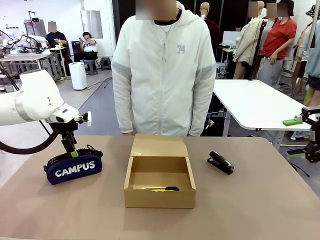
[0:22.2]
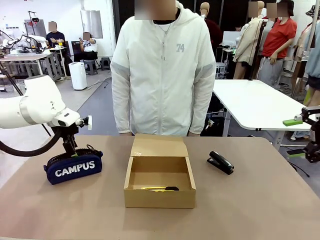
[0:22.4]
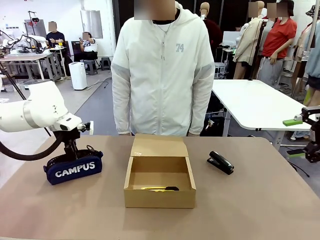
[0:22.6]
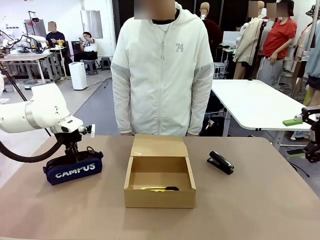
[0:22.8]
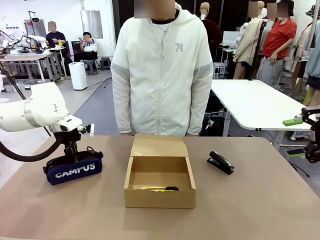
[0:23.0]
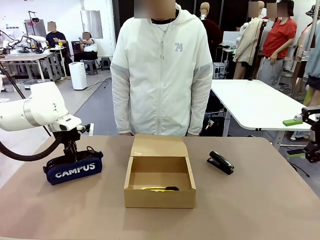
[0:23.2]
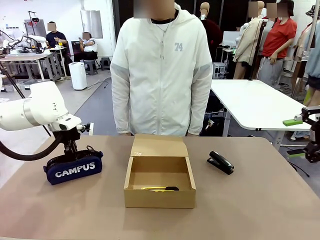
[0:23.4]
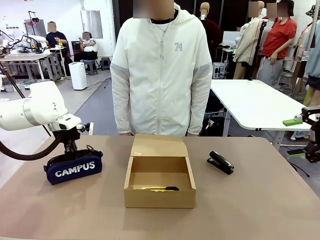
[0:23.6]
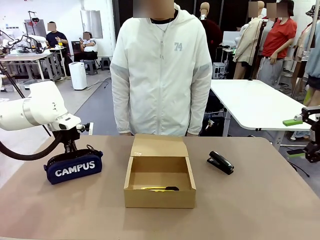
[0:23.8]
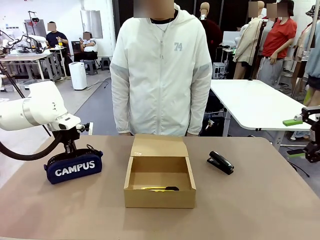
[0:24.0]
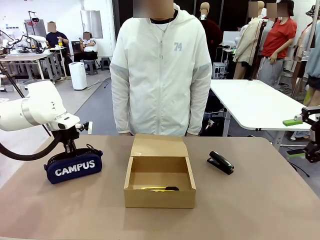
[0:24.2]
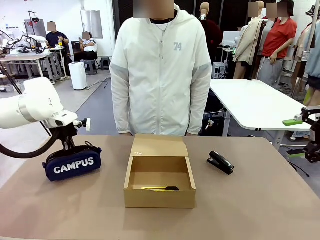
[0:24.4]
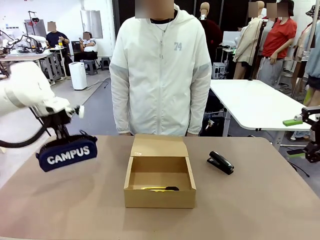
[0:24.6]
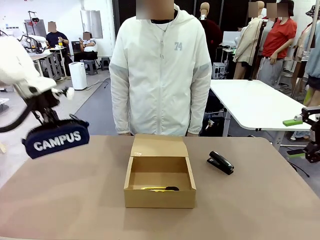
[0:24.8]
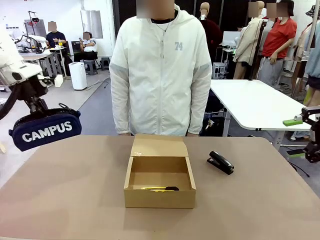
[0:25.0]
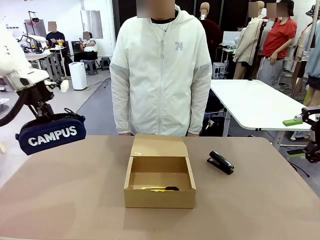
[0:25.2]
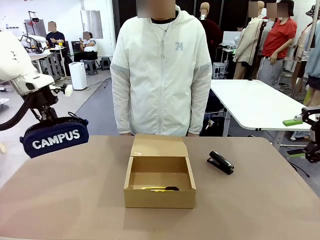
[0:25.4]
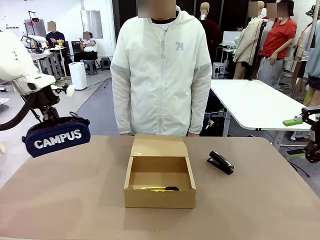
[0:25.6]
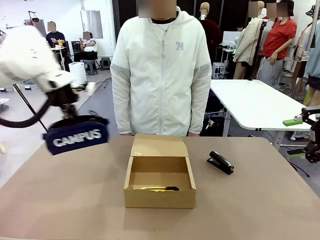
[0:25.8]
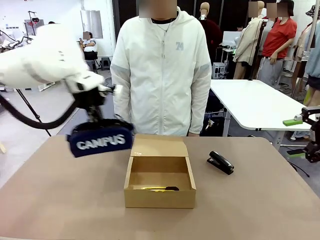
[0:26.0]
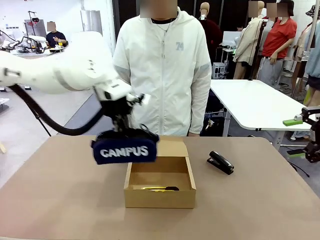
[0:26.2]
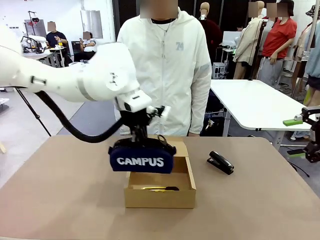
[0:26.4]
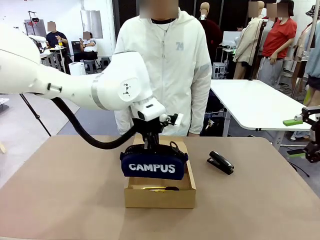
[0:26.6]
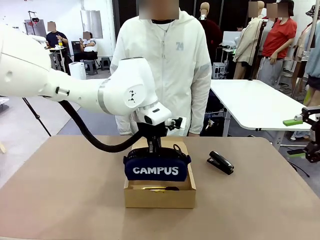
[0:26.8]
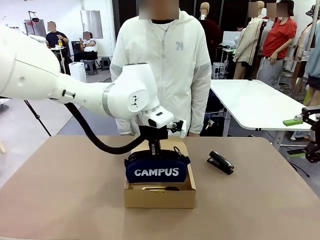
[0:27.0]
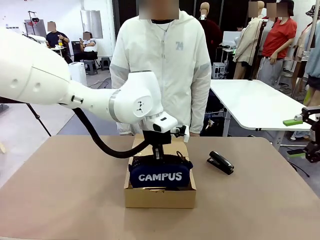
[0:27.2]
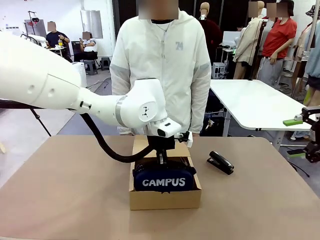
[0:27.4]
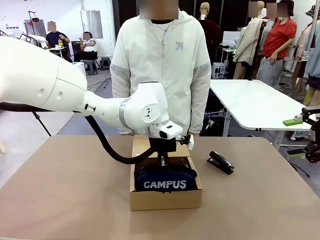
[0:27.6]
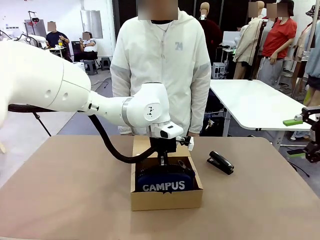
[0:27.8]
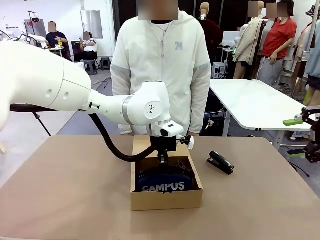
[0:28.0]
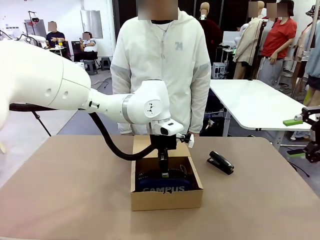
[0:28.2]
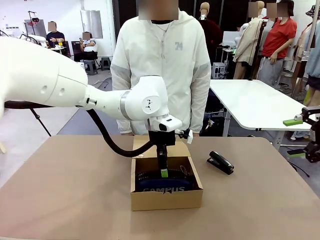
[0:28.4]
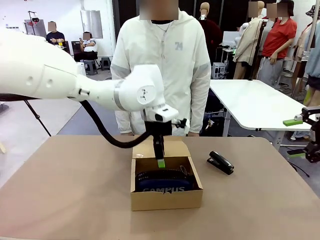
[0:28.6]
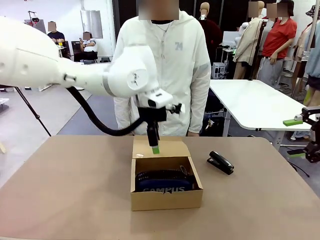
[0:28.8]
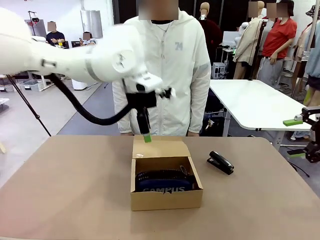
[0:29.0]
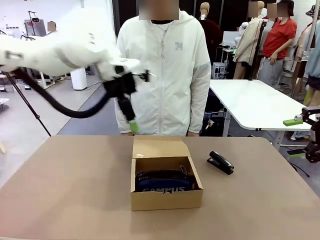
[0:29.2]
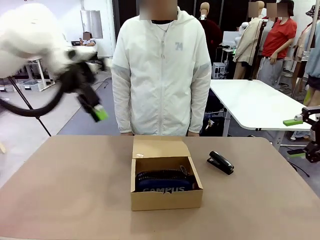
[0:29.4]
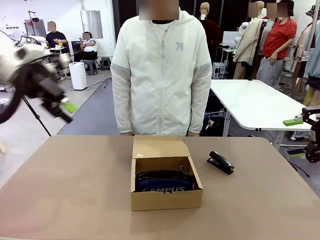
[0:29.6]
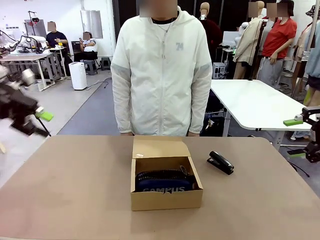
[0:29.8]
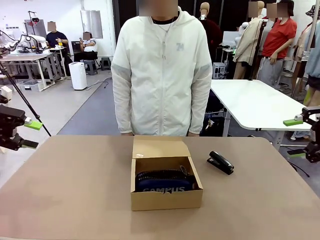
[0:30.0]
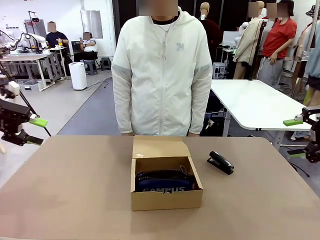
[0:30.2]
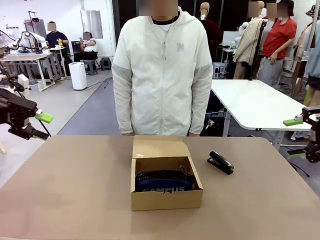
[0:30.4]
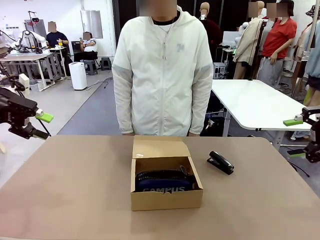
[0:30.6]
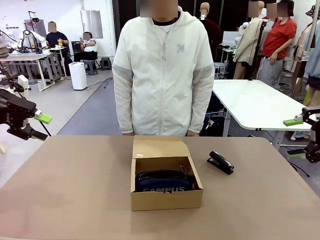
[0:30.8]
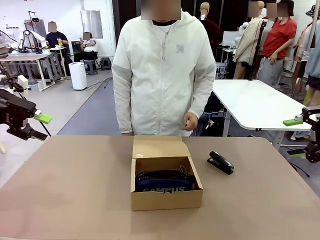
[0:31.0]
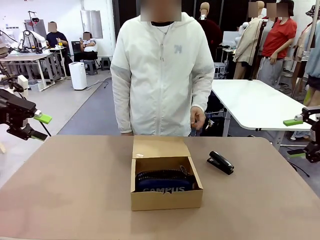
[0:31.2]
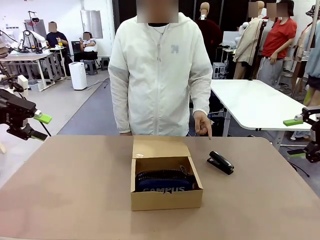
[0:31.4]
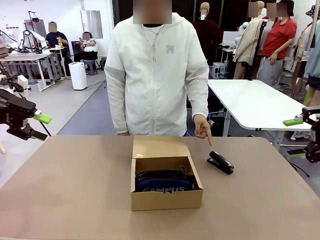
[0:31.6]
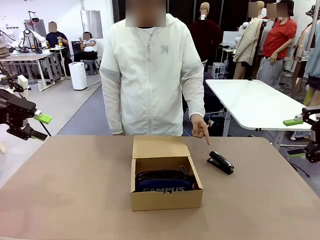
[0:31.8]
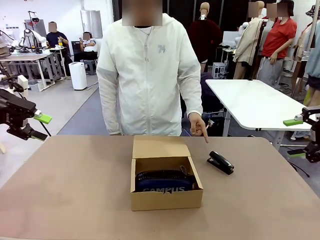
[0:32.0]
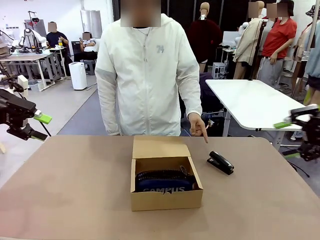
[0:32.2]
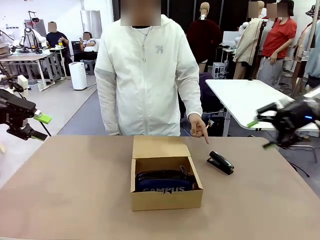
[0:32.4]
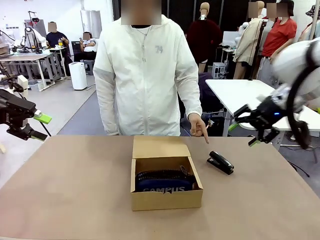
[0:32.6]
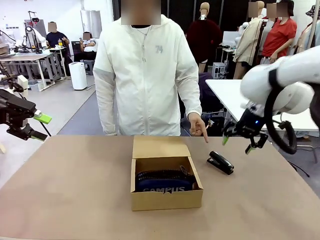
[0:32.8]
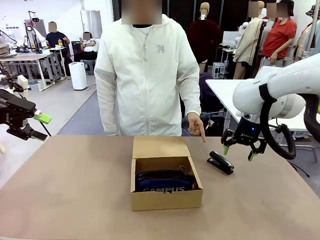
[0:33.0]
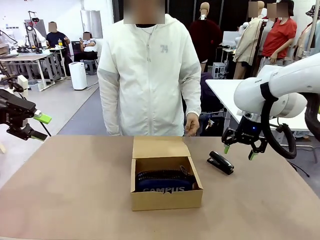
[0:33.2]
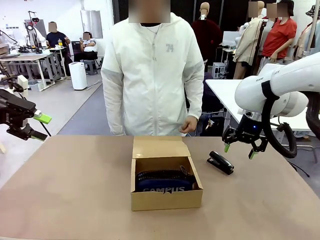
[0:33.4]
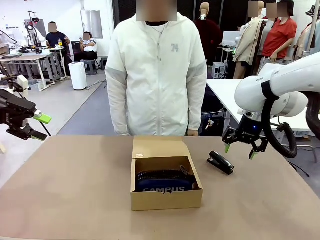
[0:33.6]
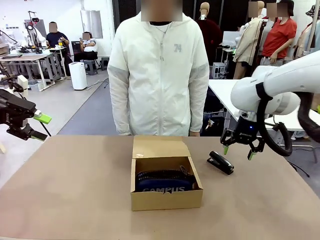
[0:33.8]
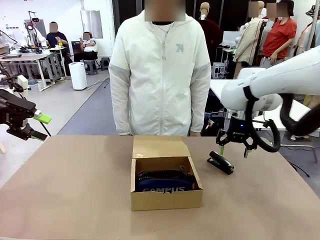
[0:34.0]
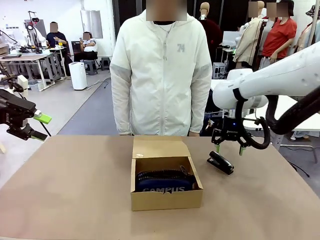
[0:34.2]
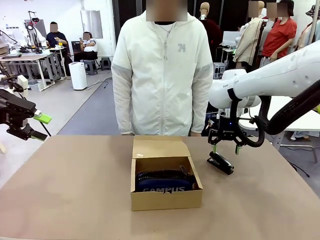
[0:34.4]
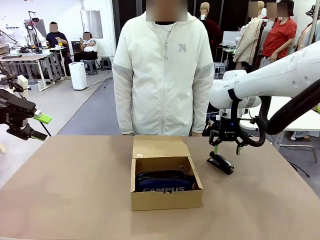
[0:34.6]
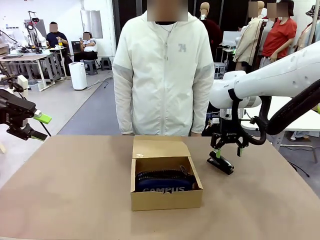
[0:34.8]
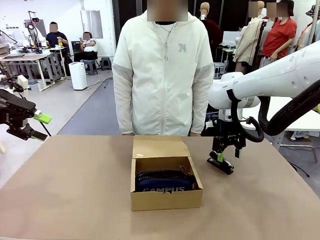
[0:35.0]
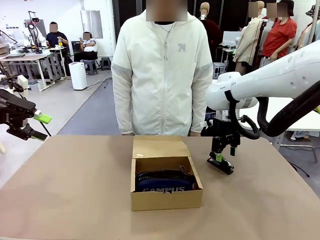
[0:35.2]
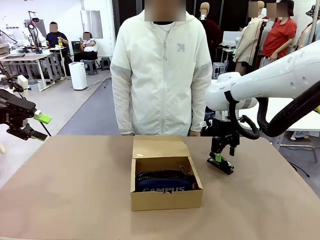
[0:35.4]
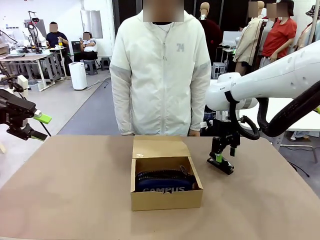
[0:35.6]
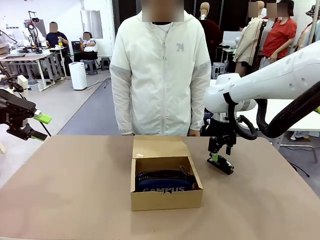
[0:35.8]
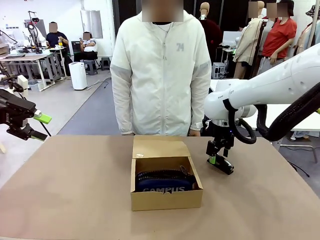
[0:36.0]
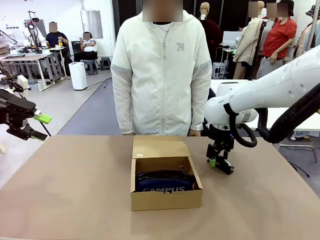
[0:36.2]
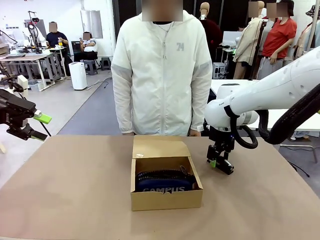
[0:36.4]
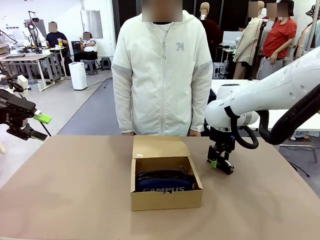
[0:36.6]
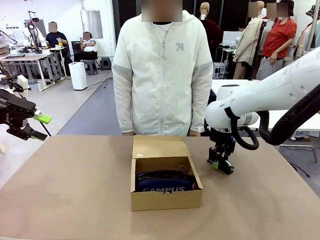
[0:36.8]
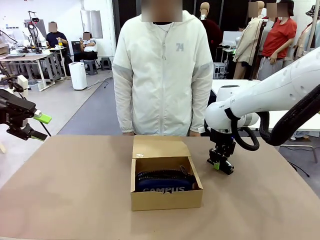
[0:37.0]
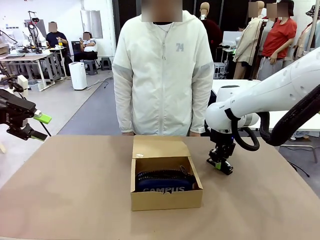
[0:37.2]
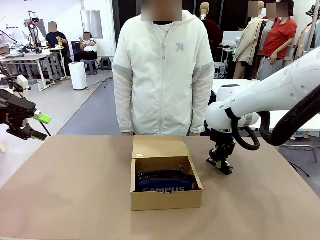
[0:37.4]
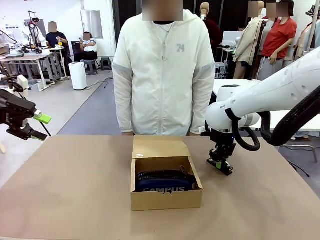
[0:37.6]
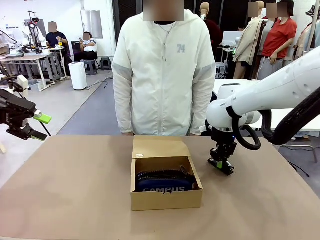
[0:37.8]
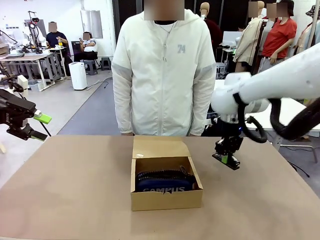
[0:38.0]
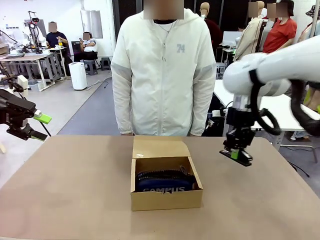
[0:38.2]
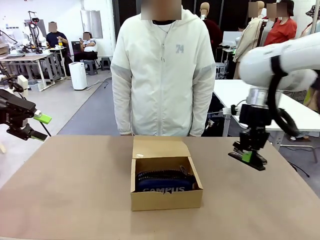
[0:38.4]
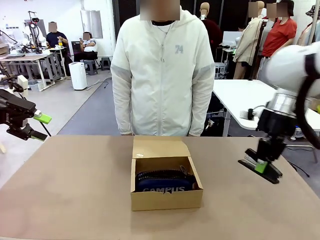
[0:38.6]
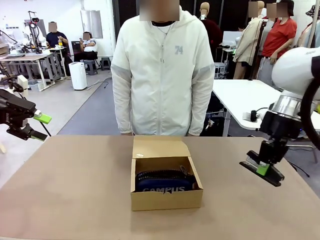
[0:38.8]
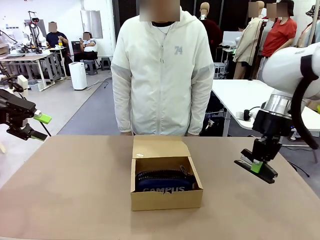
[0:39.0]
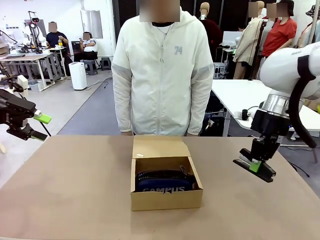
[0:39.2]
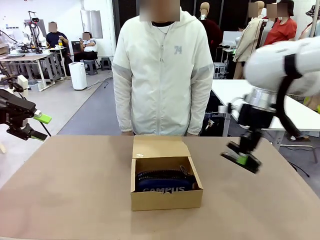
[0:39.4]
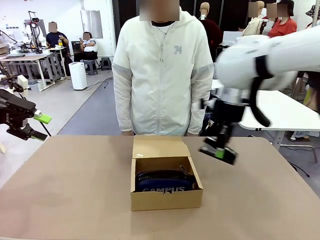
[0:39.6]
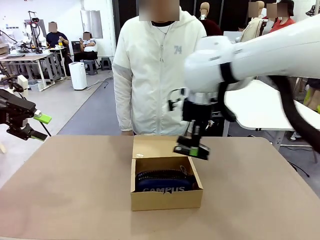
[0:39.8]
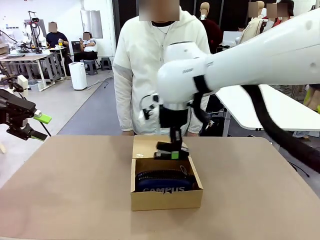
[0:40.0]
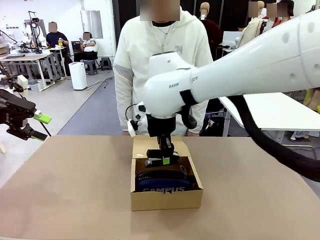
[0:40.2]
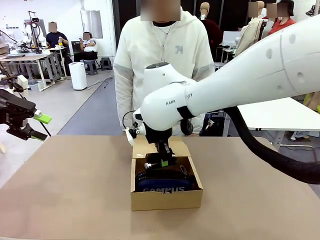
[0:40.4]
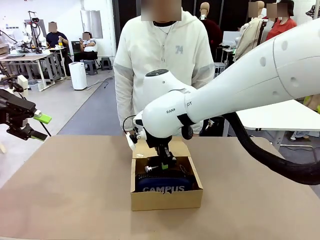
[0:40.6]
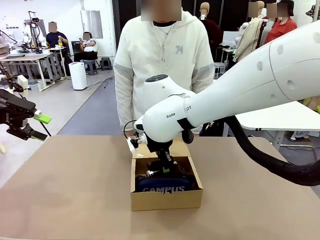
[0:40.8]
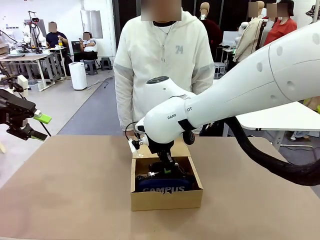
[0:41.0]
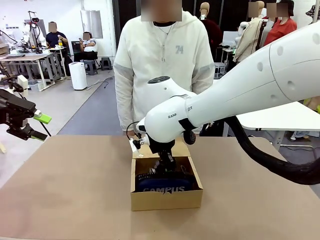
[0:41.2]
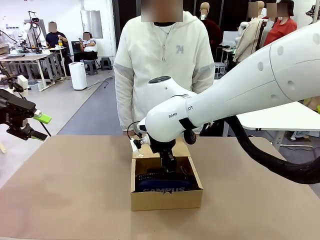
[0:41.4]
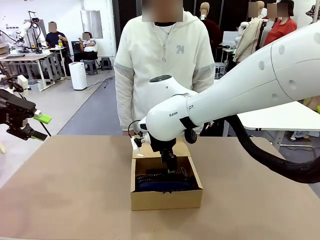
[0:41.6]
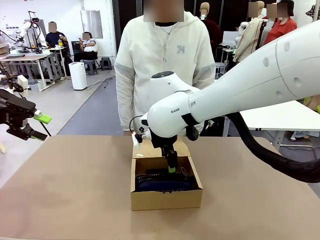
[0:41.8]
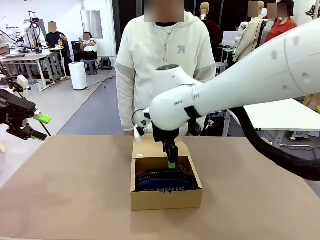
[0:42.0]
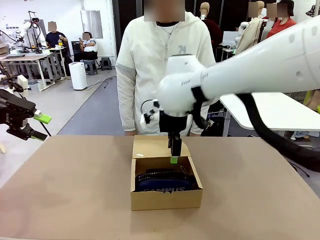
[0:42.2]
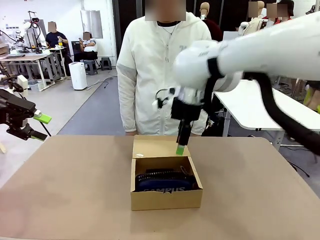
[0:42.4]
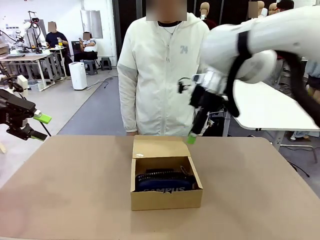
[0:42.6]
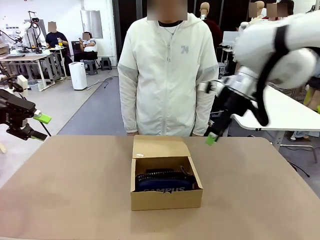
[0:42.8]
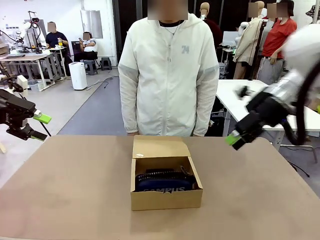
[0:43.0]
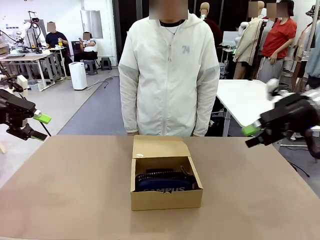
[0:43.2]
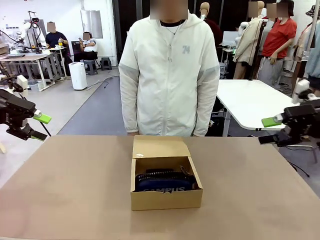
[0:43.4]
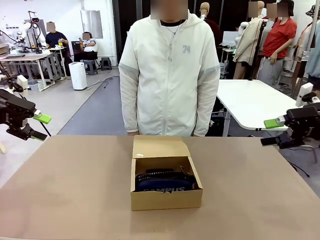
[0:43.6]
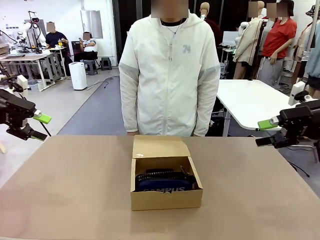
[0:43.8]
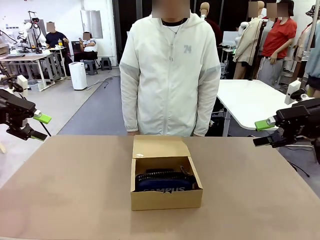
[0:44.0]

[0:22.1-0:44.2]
Task: Pack the items into the box.
Robot: Pick up the item indicated by the person and place it inside the Mailer Box.
Person: Lower both hands vertically with palms facing downward, as if pressing something closed.
